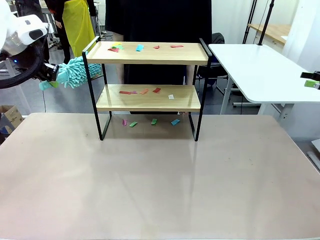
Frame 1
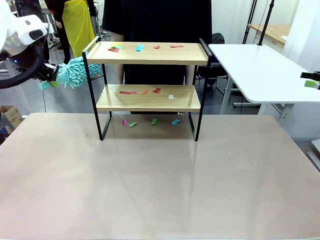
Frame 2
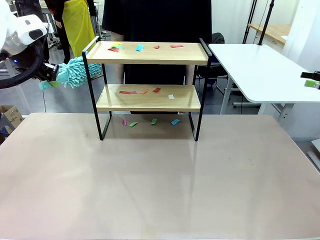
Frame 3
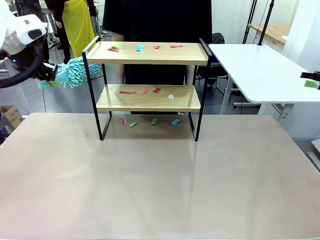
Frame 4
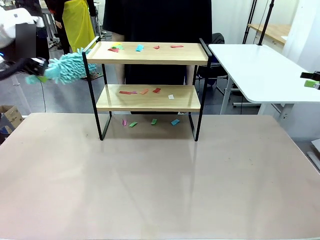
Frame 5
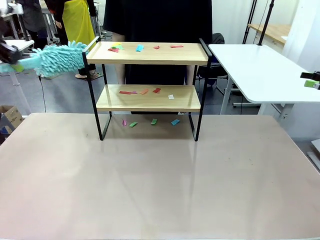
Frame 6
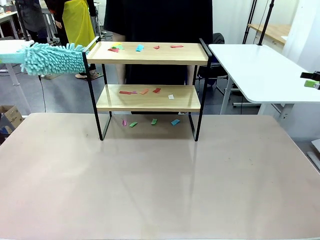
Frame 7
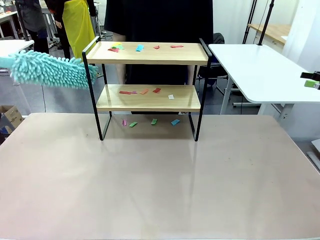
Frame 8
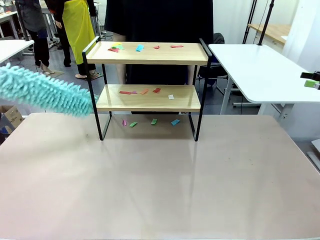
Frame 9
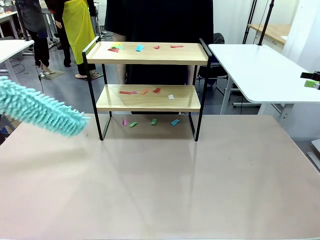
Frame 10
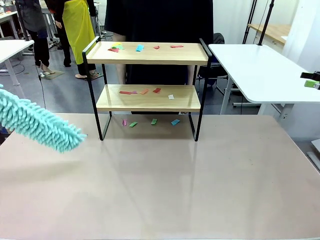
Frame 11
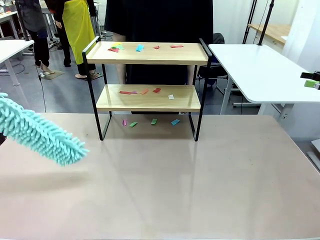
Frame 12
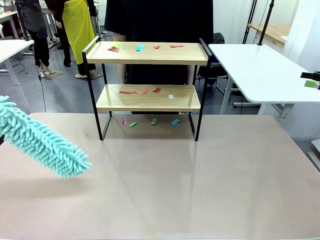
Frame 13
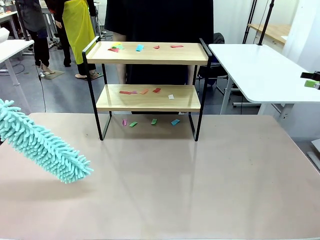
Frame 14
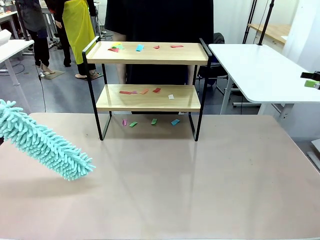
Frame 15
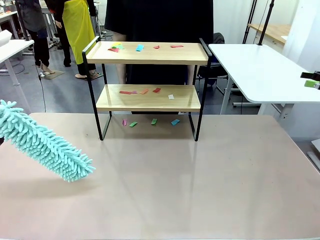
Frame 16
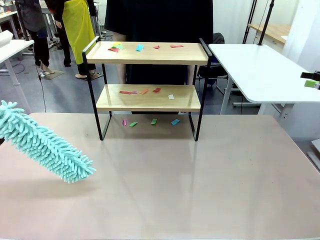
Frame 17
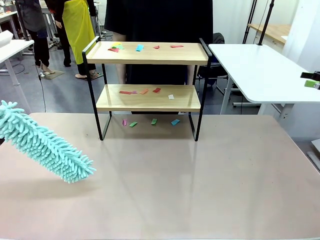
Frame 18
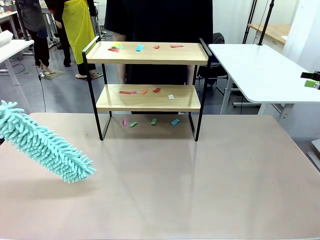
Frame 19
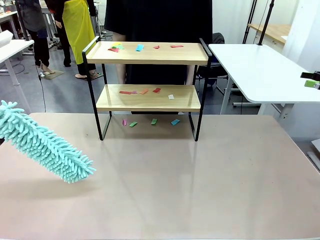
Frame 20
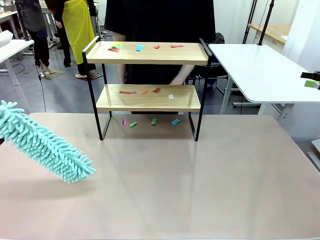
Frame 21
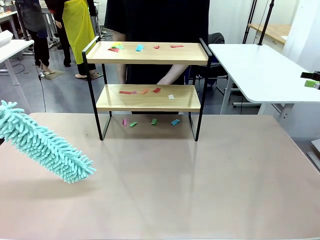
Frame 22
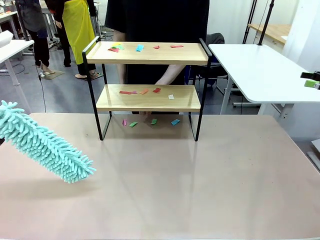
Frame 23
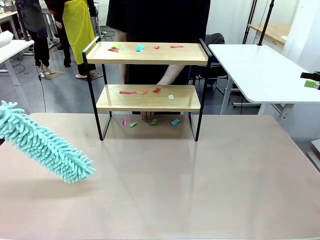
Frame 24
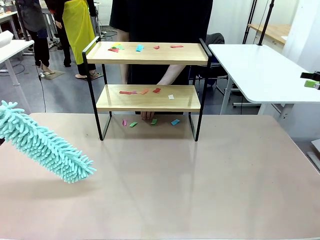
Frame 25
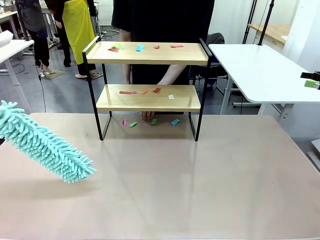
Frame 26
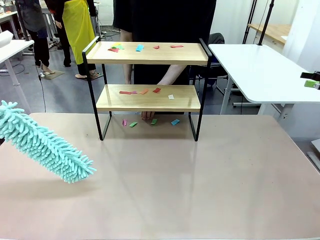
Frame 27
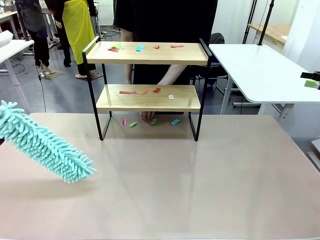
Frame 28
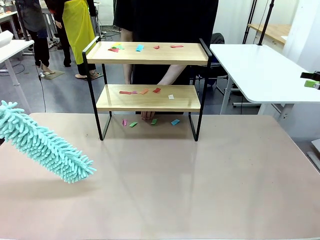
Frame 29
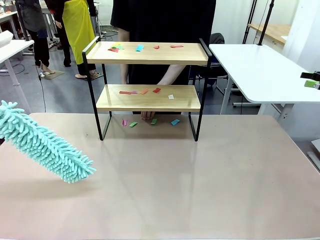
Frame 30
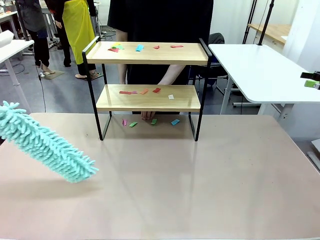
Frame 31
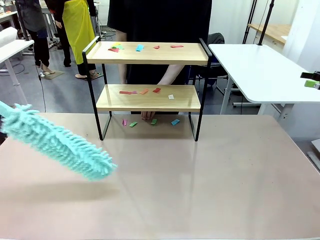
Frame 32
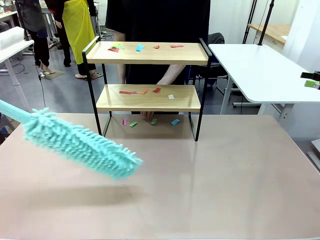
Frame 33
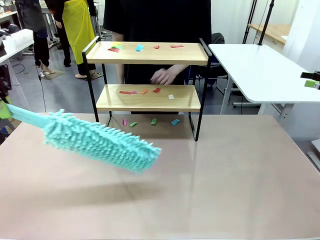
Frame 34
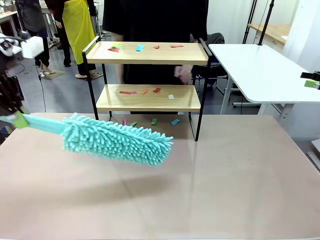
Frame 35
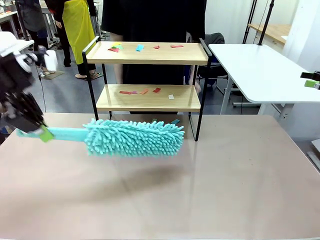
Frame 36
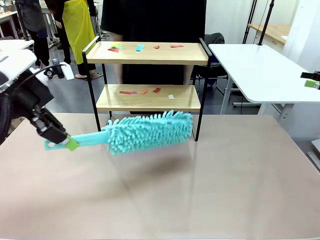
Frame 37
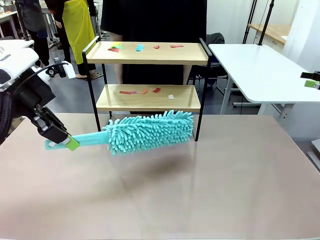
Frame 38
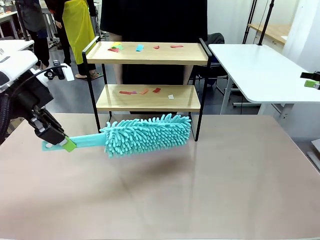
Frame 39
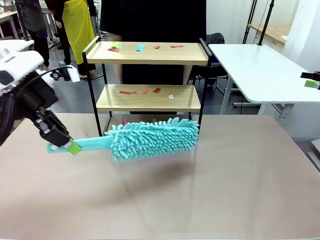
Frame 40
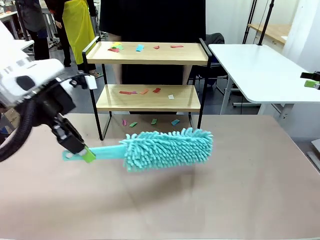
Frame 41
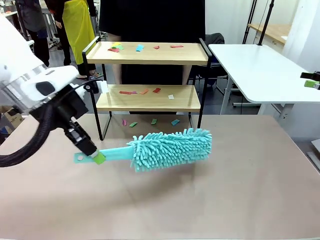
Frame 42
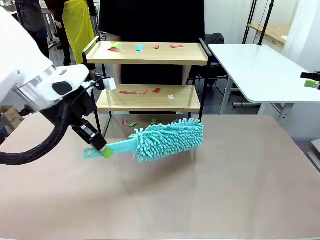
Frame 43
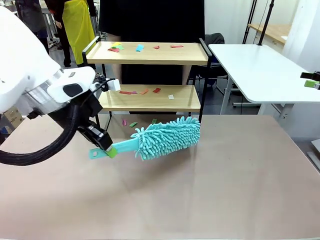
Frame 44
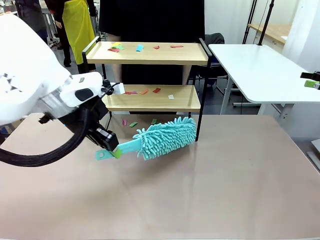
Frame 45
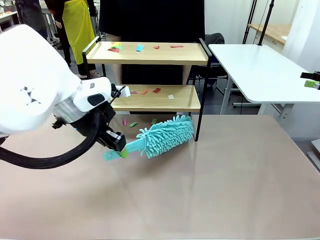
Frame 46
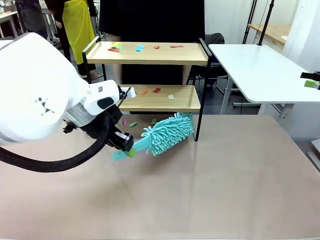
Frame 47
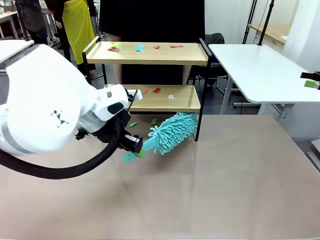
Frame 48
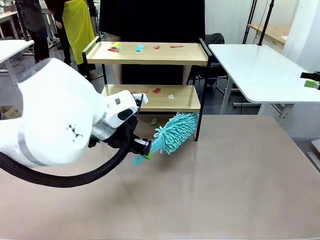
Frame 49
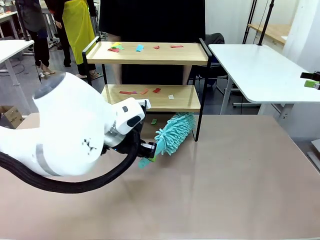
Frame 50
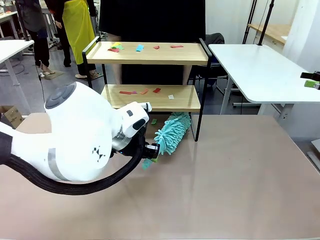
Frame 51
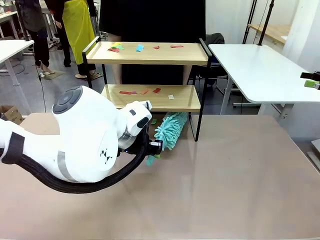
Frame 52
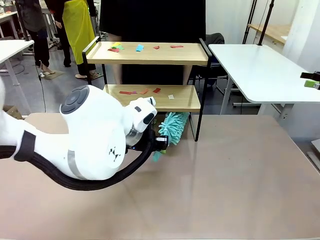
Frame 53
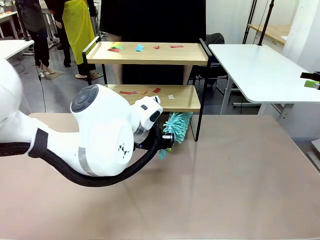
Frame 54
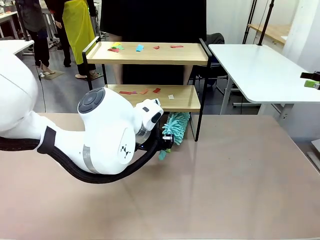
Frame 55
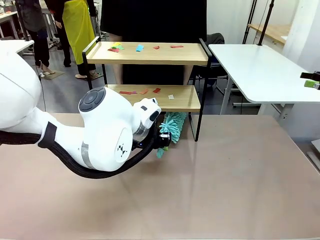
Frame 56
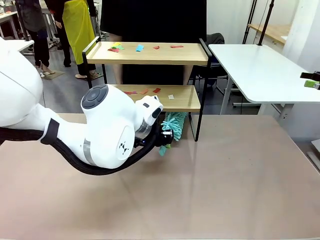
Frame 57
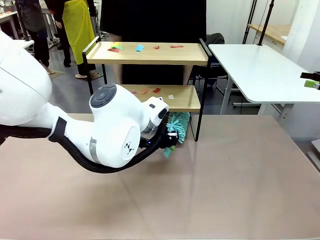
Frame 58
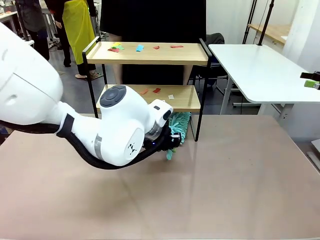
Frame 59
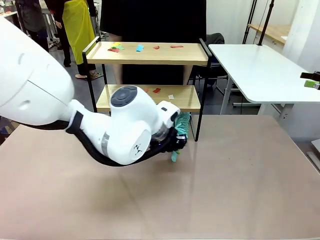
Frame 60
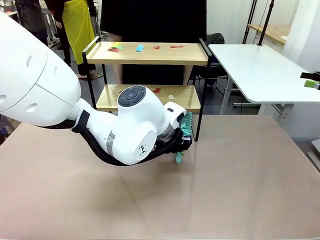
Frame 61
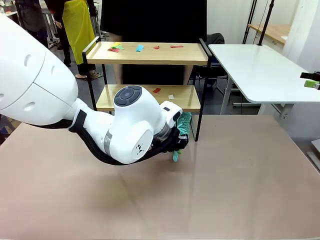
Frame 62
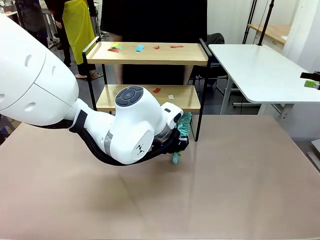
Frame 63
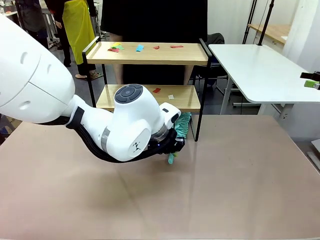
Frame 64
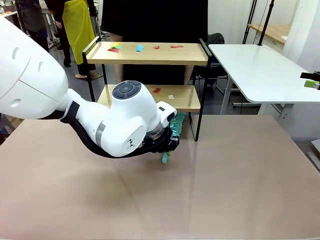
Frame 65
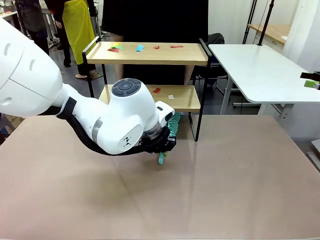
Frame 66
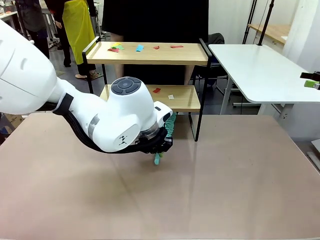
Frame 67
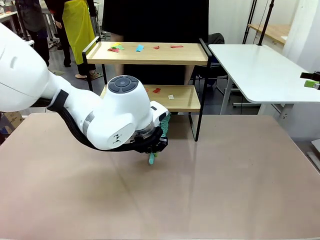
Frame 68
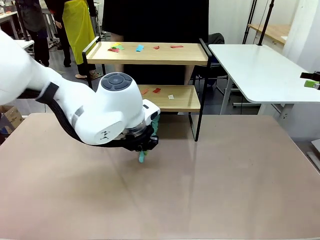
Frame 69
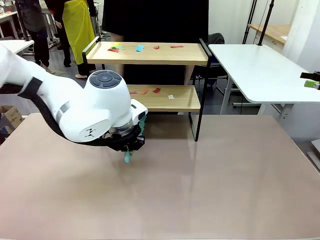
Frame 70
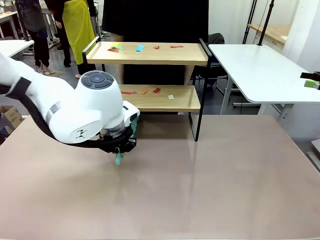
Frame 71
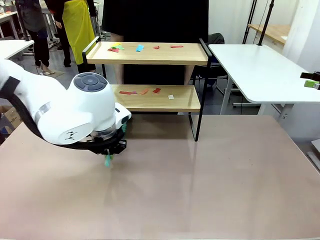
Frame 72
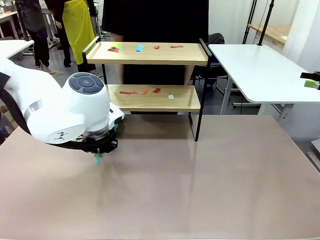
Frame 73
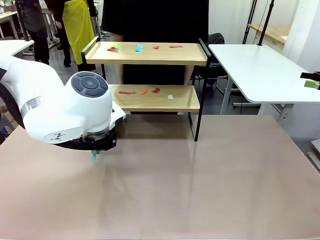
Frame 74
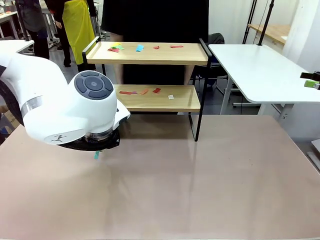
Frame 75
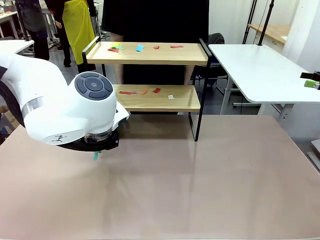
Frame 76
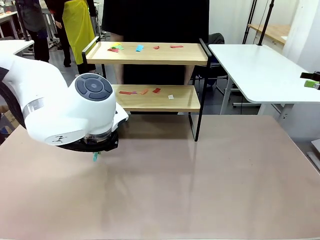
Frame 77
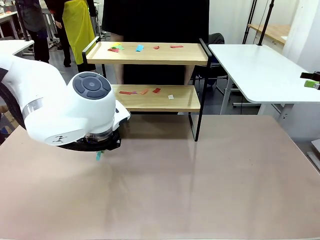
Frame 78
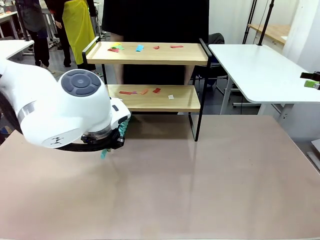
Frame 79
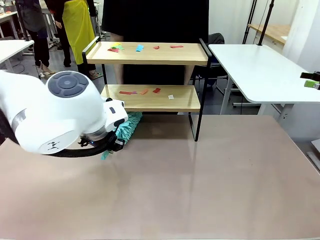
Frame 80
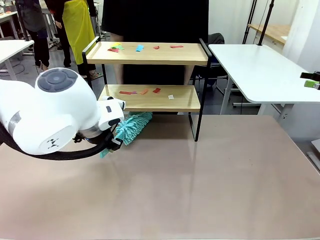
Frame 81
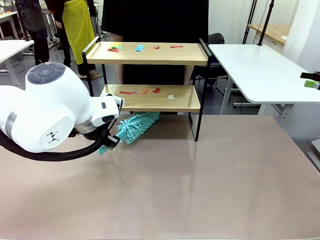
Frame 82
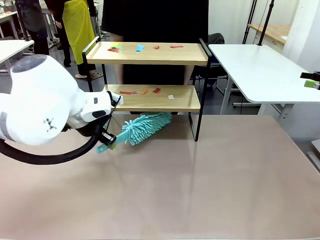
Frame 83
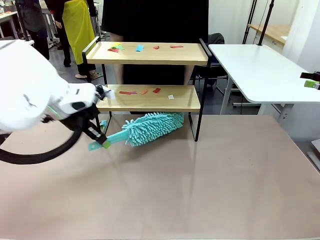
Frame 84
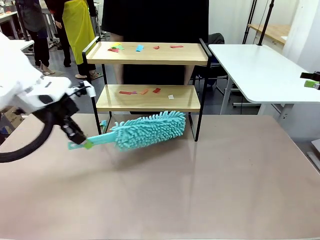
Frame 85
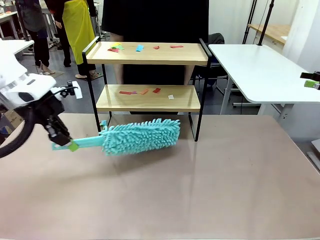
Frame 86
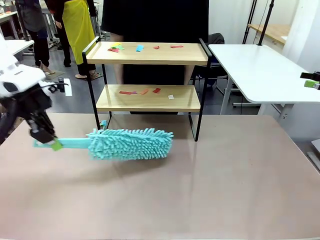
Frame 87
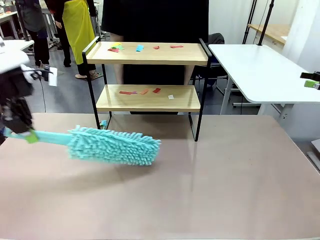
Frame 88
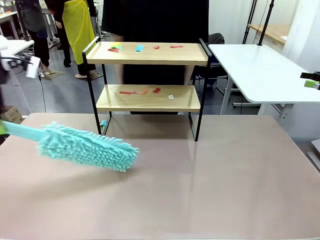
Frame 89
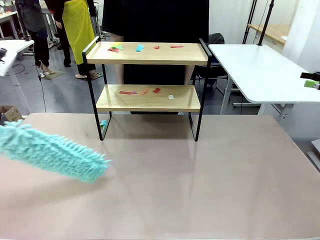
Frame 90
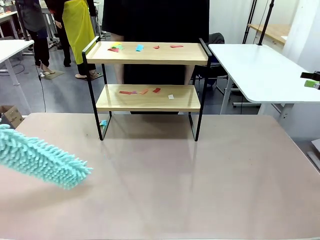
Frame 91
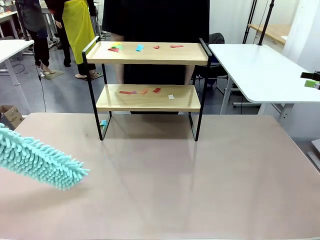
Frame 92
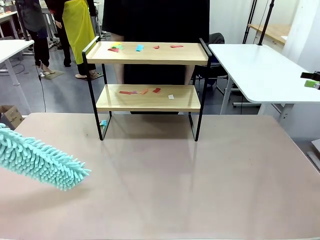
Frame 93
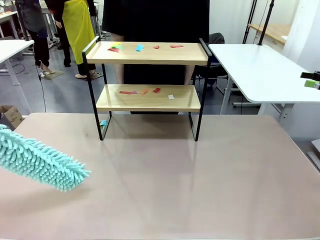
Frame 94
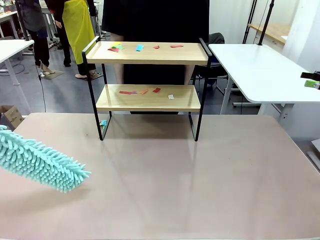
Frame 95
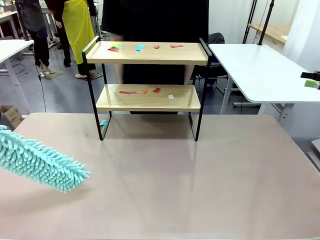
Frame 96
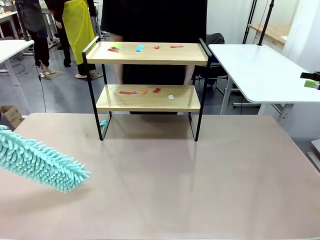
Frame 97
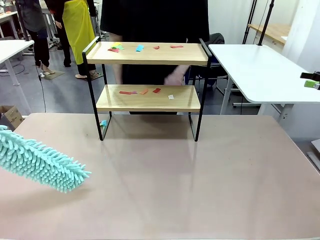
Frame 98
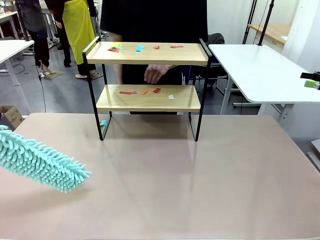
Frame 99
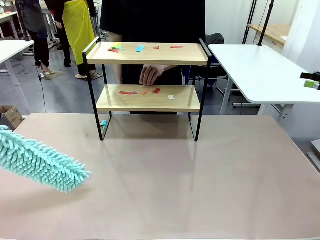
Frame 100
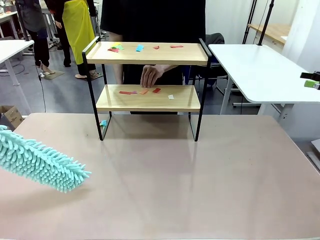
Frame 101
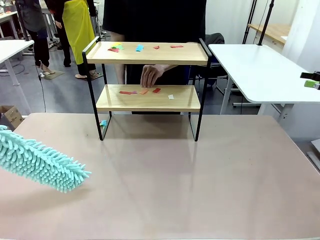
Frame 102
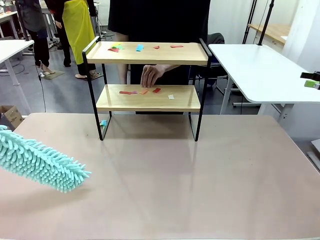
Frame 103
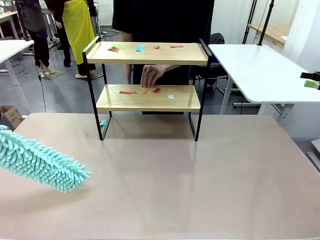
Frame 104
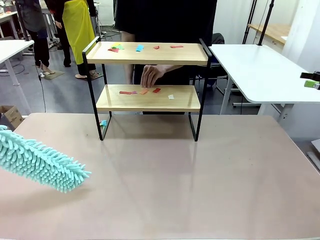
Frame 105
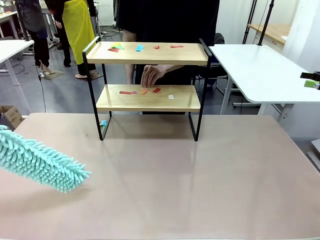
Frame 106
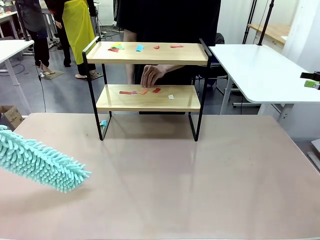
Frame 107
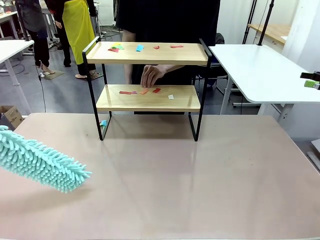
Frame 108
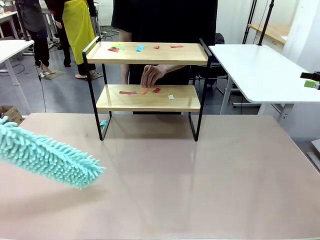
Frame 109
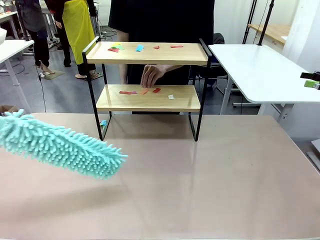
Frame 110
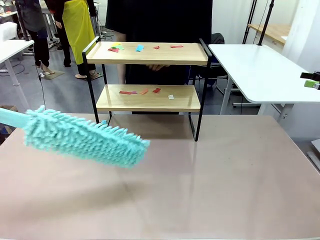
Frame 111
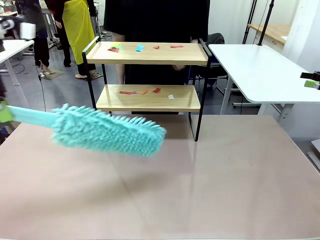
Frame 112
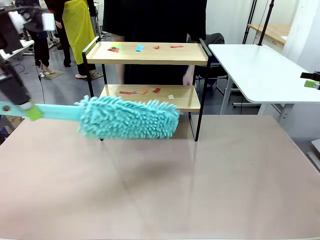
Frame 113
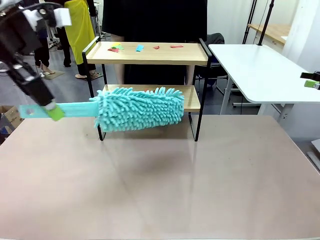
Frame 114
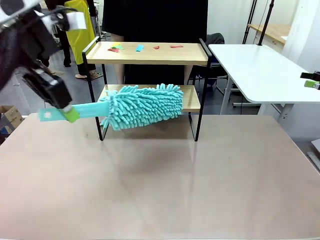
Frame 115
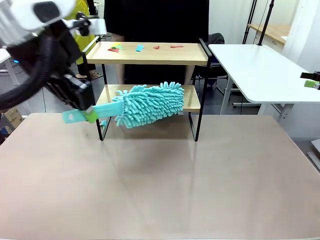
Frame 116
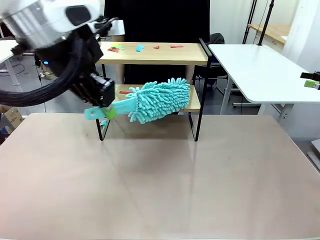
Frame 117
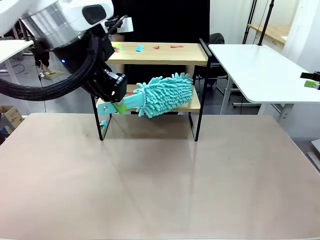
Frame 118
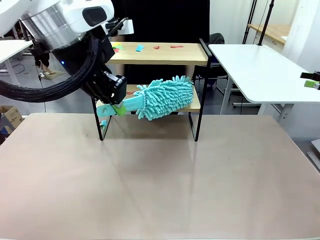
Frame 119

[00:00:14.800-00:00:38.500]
Task: Clean the shelf.
Robot: Clean the specific section of the Shelf indicated by the human with the Duster.
Person: Point a random section of the Shelf.
